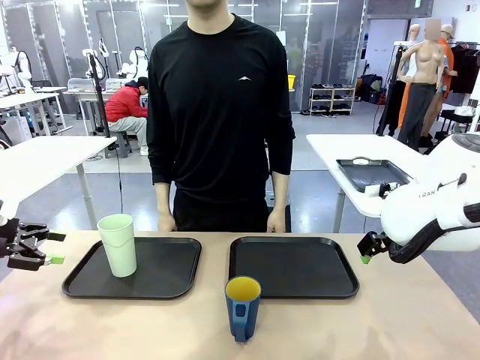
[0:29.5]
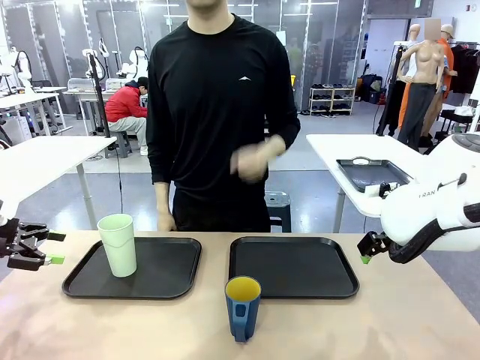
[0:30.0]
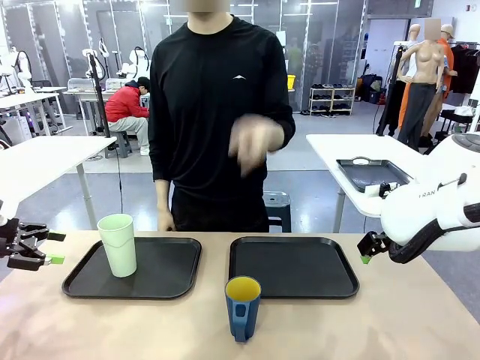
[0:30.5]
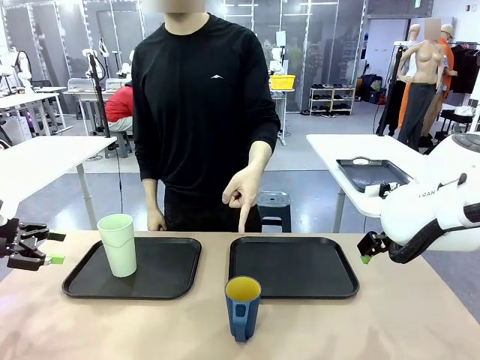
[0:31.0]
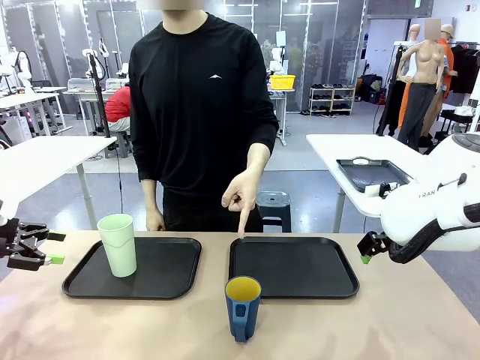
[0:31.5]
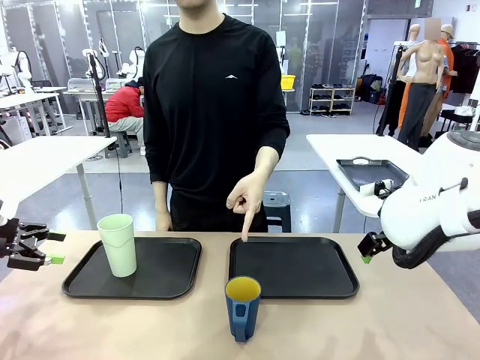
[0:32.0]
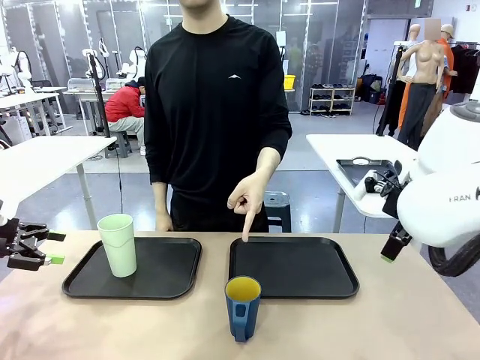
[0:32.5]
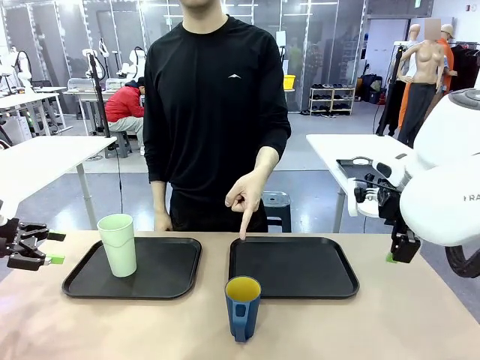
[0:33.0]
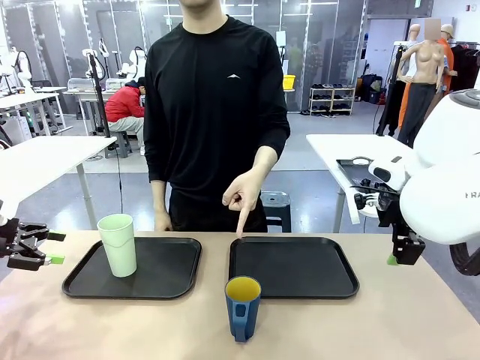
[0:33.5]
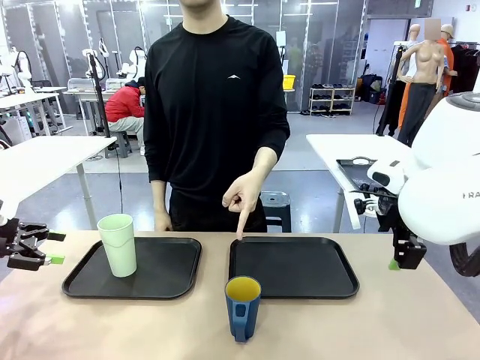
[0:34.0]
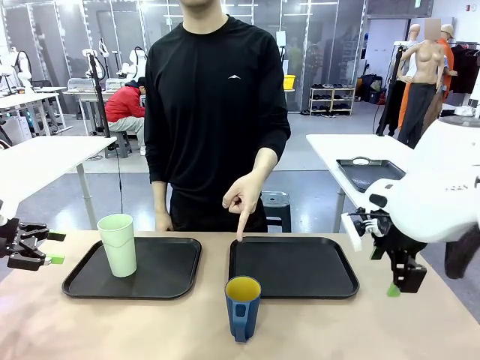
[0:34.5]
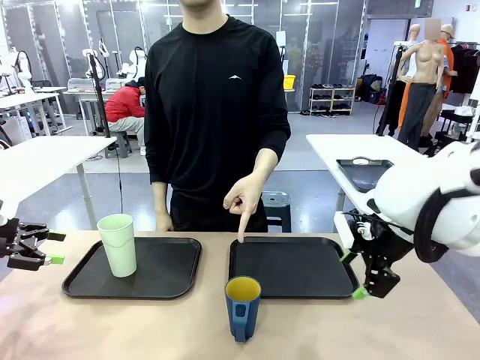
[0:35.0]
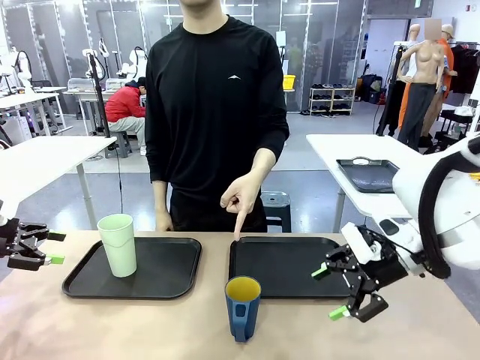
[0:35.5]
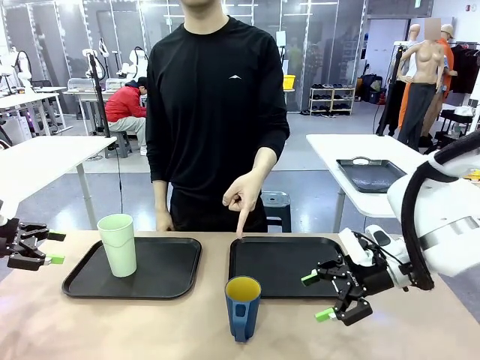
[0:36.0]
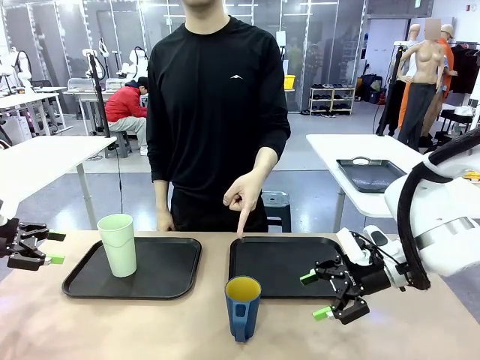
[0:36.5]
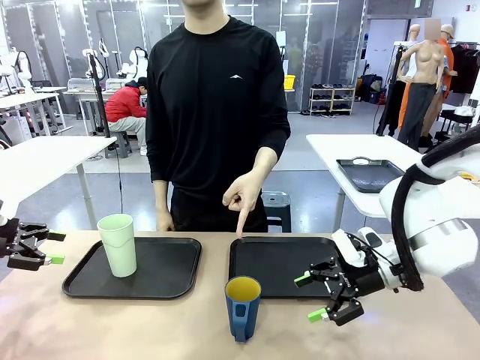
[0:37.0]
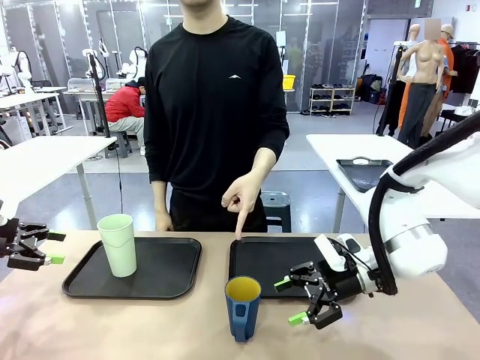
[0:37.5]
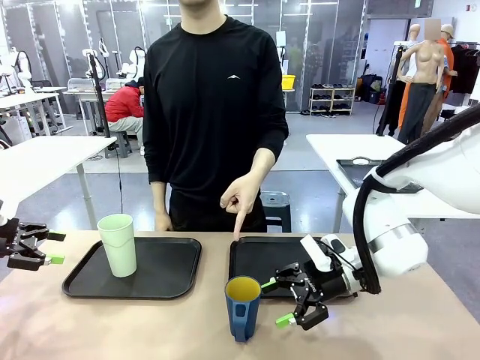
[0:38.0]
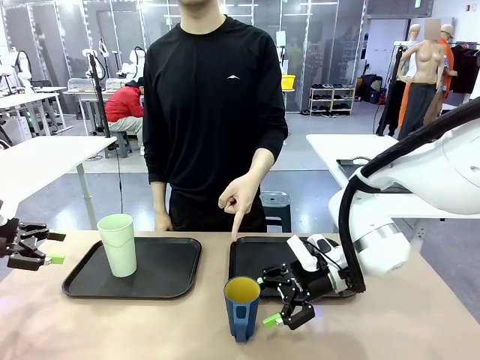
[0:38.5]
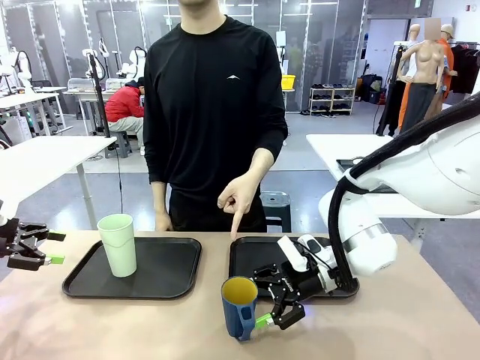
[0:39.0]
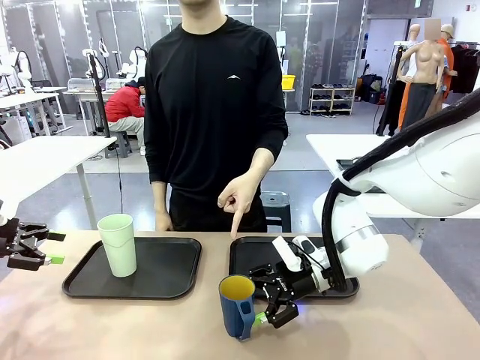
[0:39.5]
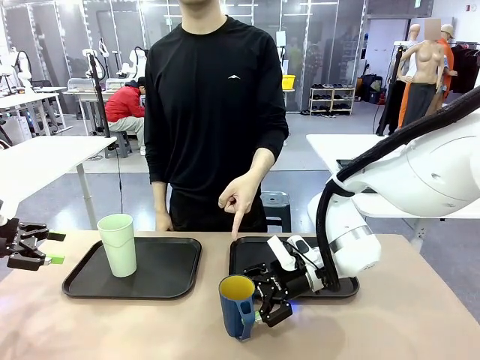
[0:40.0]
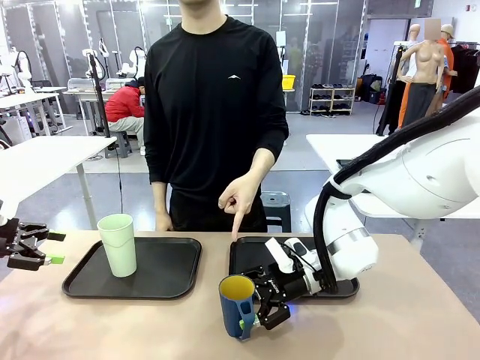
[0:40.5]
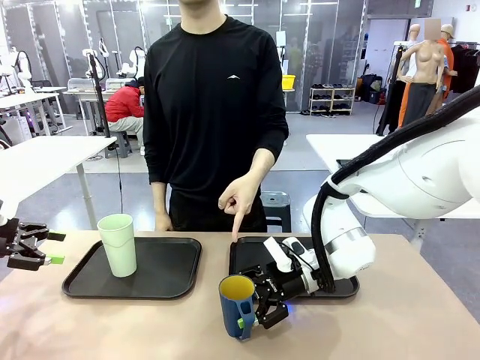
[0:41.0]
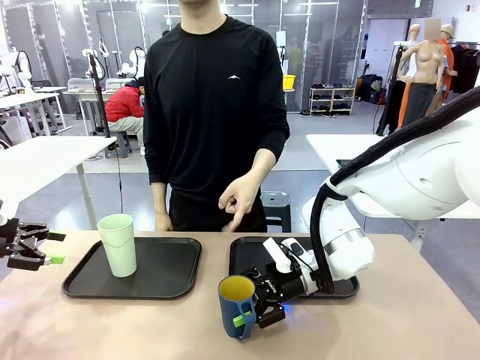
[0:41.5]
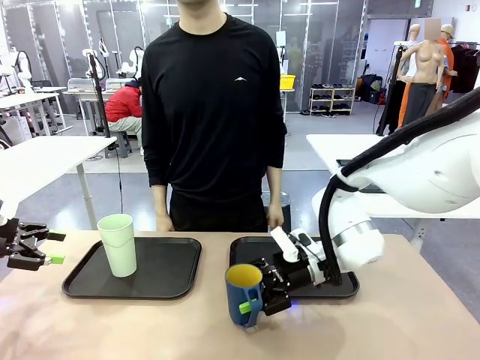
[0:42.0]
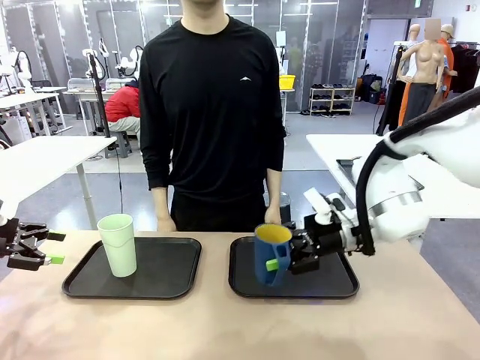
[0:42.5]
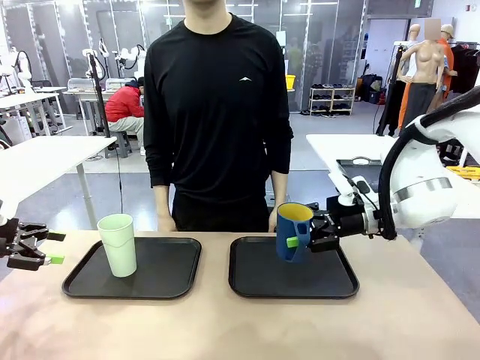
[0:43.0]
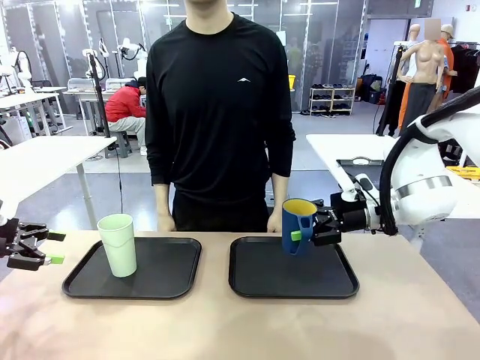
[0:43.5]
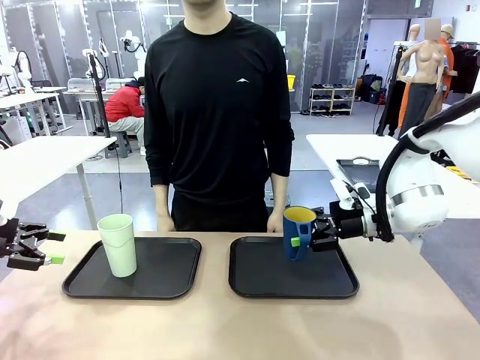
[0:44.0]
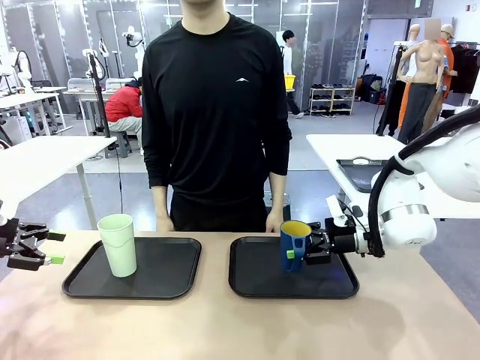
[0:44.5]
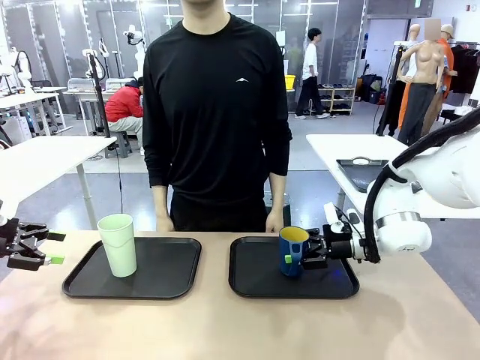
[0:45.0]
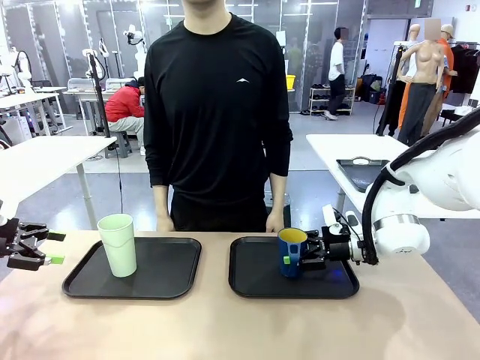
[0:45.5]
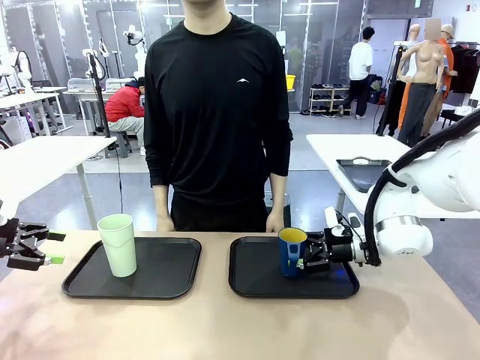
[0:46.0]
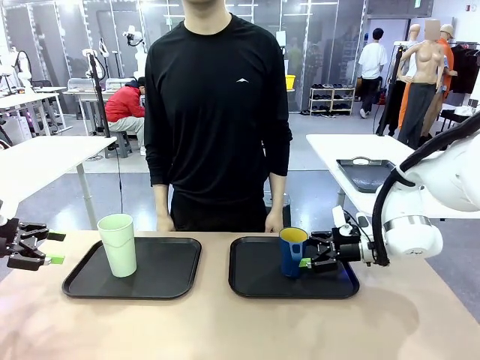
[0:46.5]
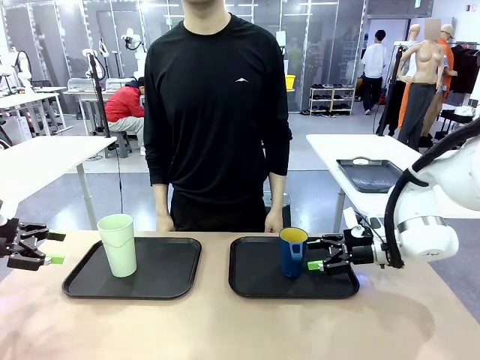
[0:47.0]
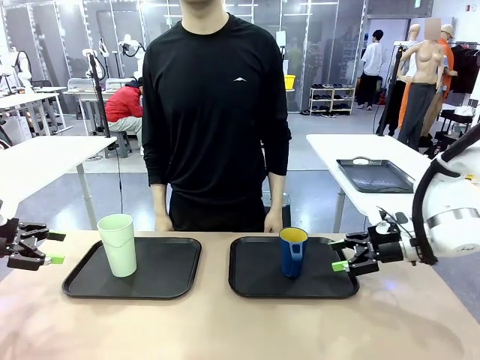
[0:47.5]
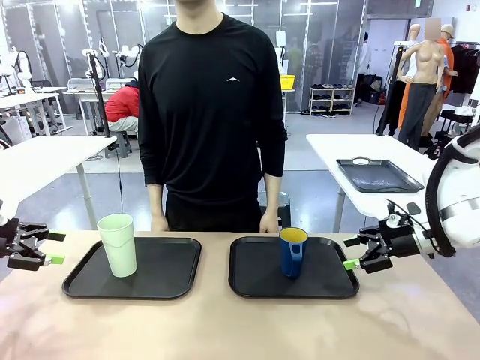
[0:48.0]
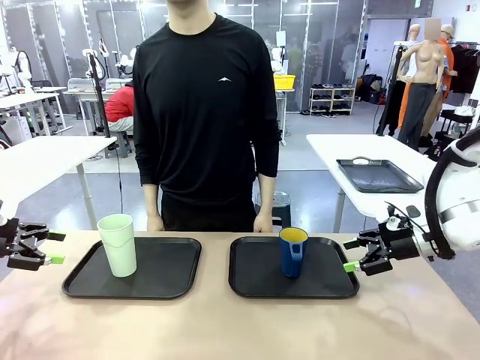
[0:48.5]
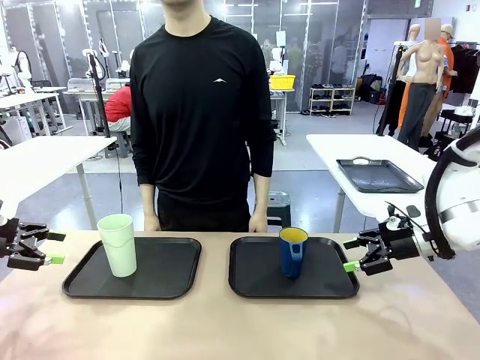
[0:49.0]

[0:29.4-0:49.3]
Task: Sort and store the cups by type.
Robot: Pick up the Handle plastic cup and place it into the empty Flat Tray.
Person: Points to the cup with a handle.

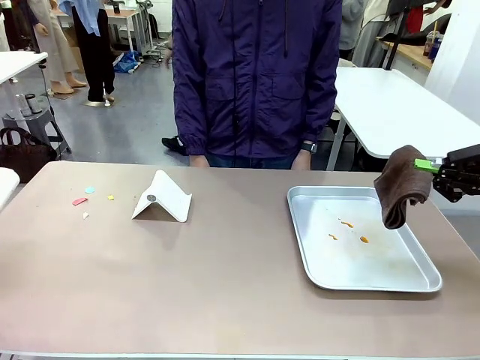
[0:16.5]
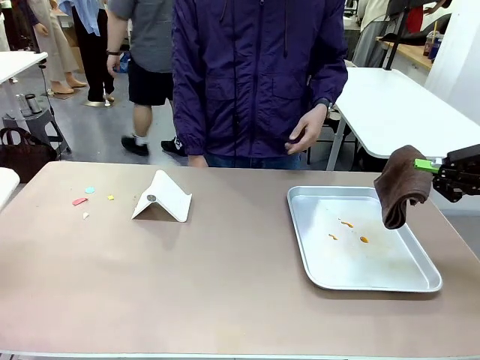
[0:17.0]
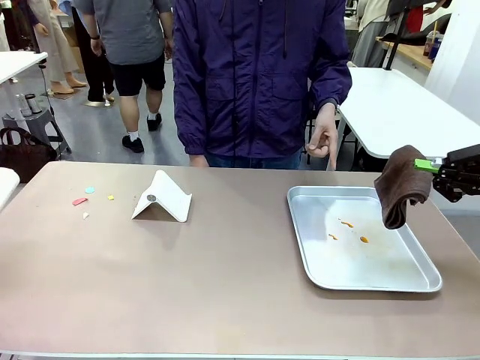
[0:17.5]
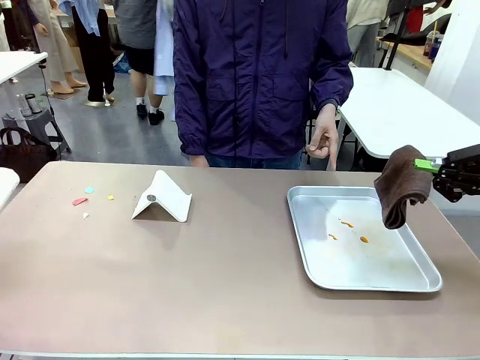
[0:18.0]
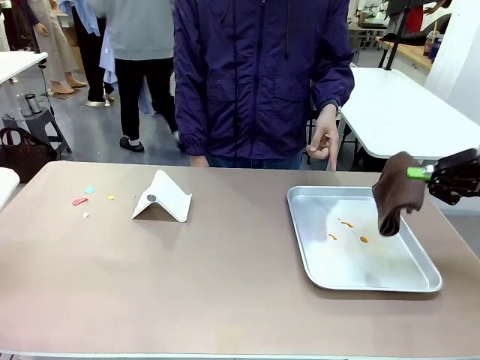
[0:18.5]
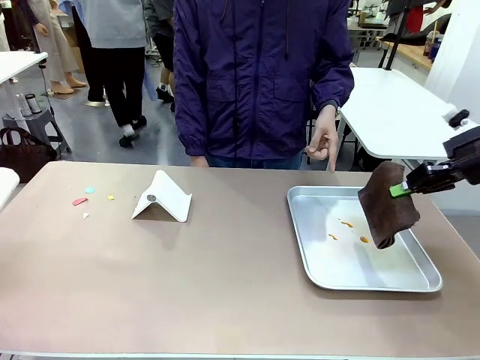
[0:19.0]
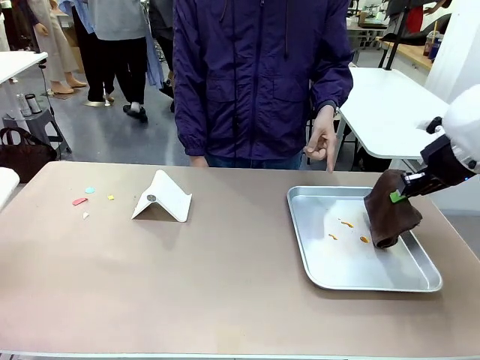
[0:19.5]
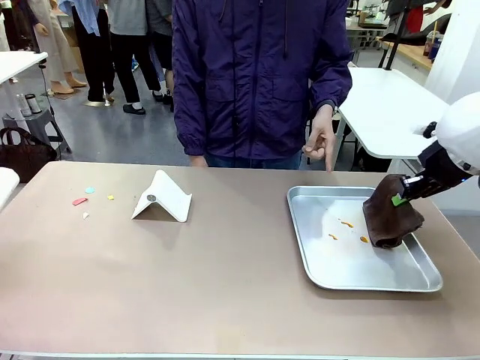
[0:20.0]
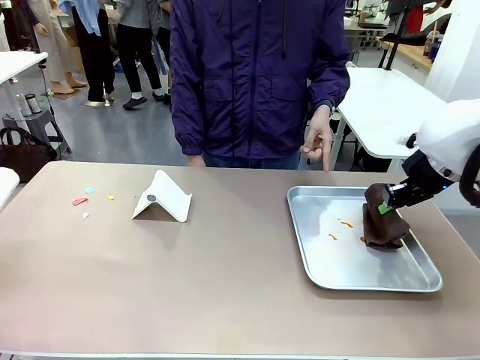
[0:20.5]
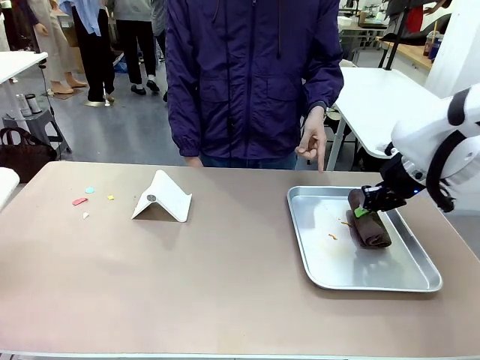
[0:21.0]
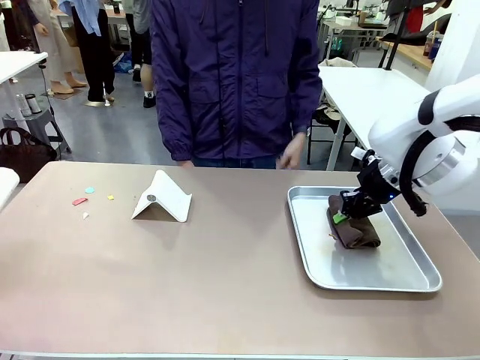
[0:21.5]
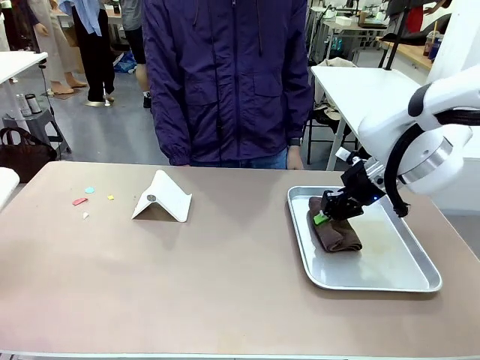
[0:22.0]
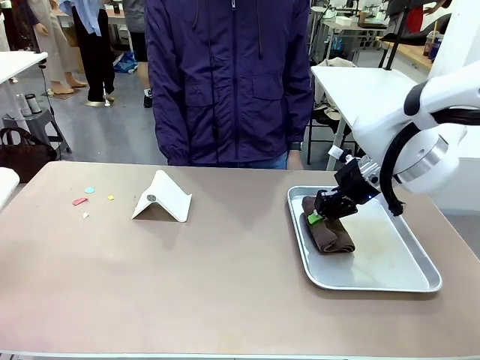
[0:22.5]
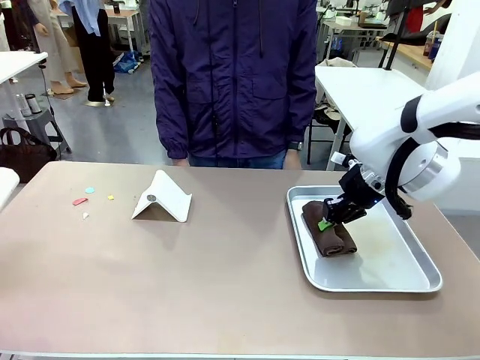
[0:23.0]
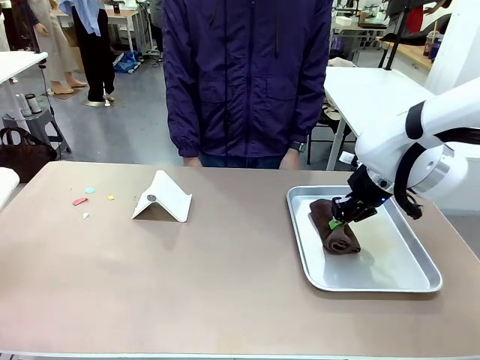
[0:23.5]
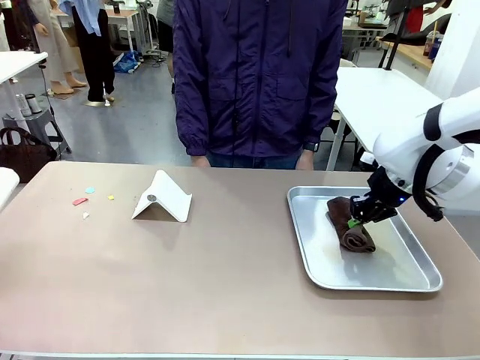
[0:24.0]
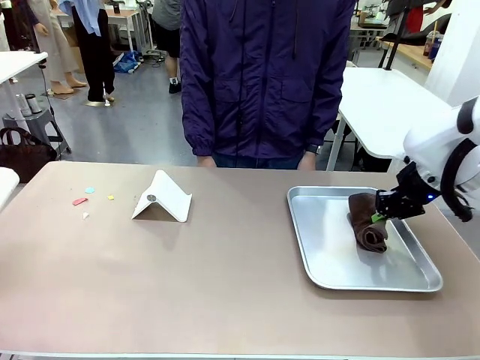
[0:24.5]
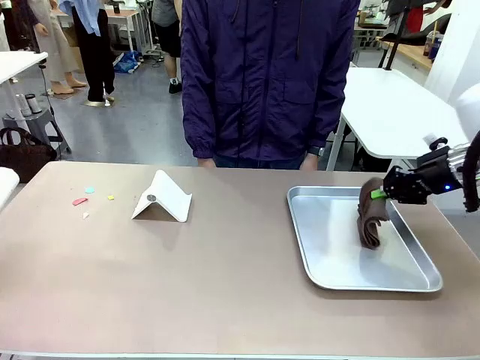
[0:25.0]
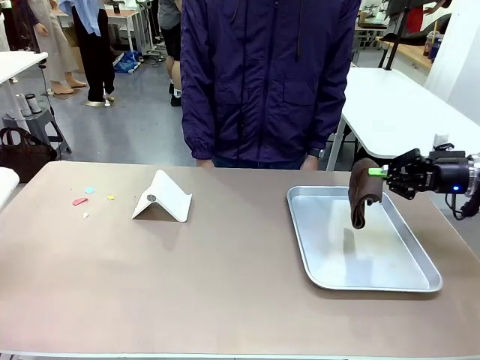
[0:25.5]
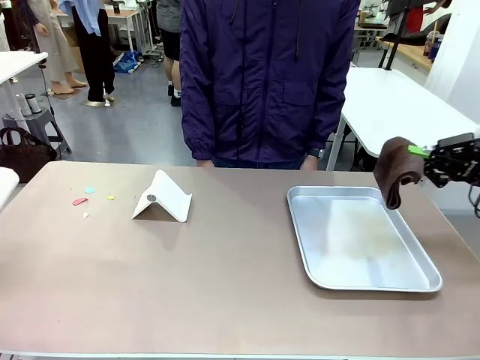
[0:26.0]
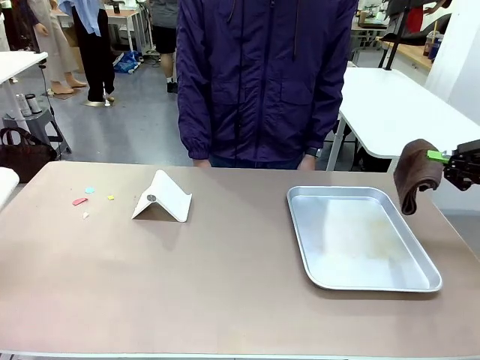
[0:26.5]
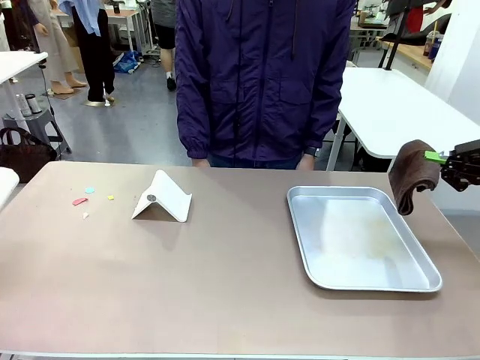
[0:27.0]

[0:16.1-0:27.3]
Task: Clean the surface of the table.
Robot: If a person points to the right, clean the right side of the table with your right hand, and if they point to the left, clean the left side with your left hand.
